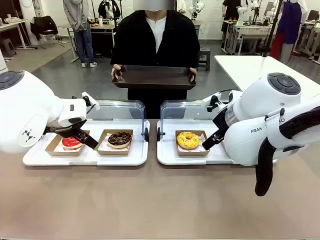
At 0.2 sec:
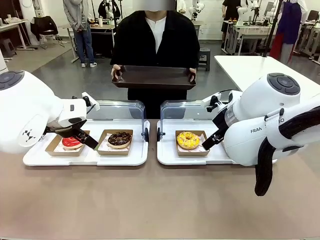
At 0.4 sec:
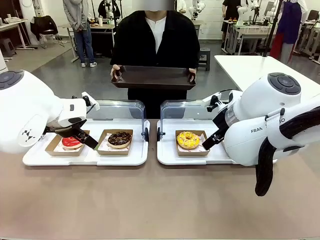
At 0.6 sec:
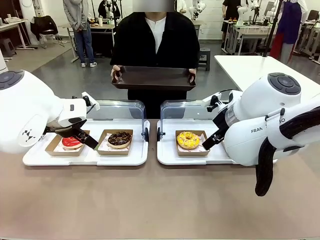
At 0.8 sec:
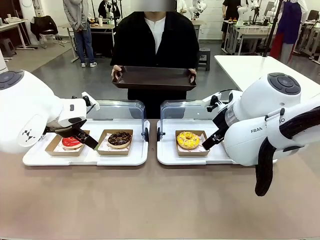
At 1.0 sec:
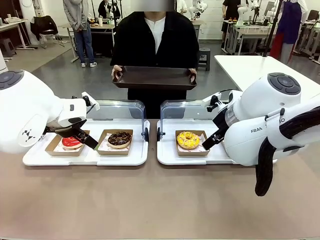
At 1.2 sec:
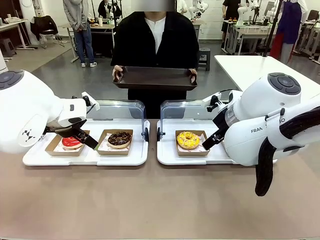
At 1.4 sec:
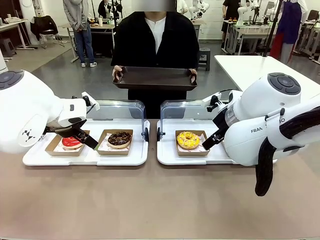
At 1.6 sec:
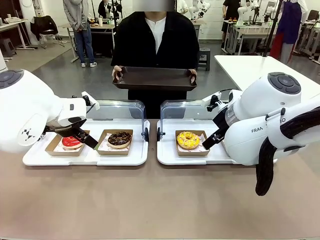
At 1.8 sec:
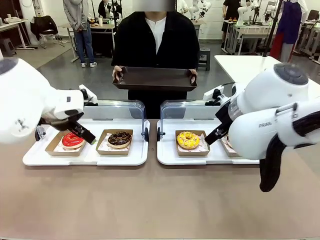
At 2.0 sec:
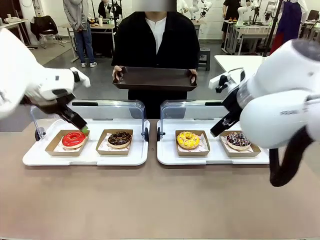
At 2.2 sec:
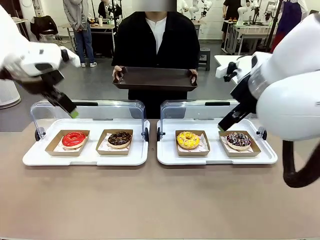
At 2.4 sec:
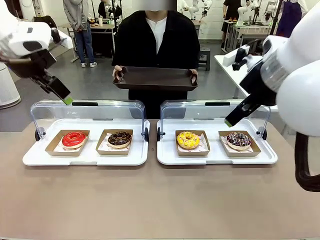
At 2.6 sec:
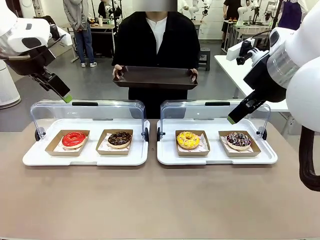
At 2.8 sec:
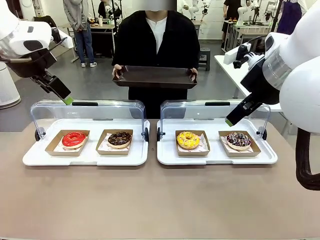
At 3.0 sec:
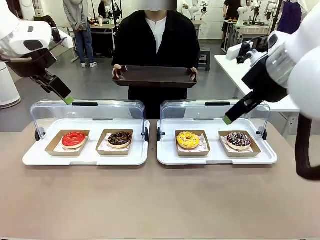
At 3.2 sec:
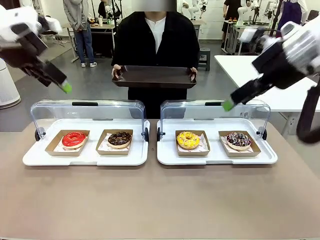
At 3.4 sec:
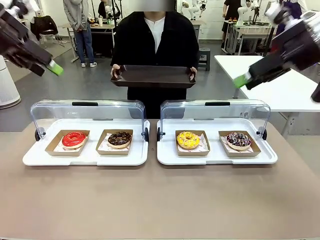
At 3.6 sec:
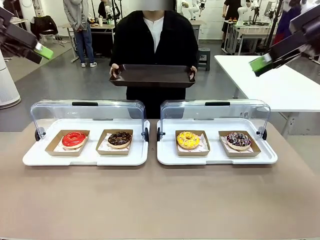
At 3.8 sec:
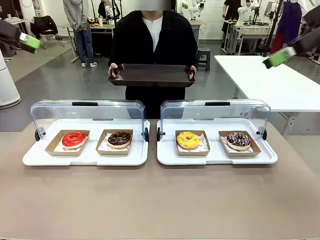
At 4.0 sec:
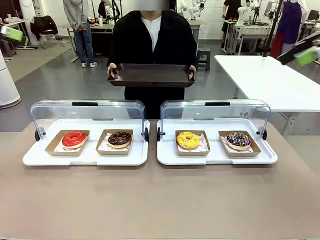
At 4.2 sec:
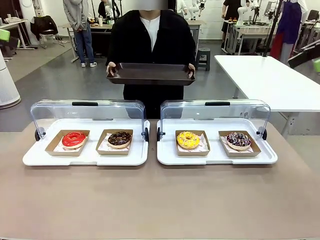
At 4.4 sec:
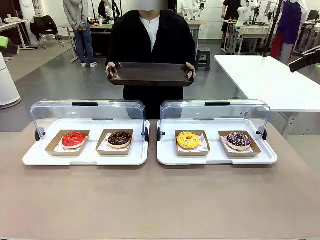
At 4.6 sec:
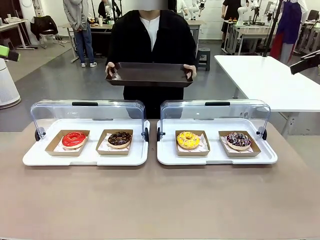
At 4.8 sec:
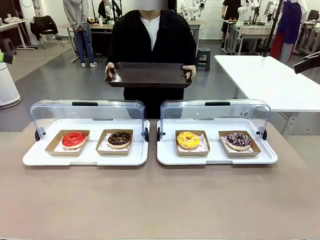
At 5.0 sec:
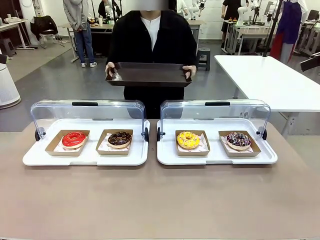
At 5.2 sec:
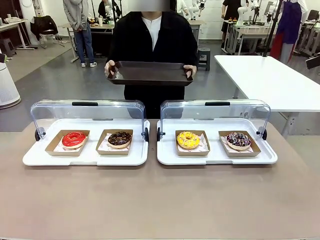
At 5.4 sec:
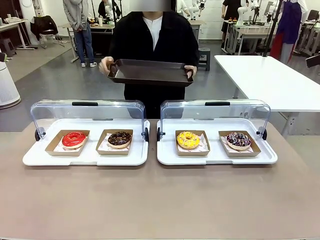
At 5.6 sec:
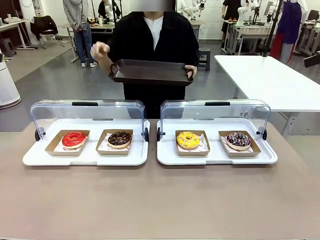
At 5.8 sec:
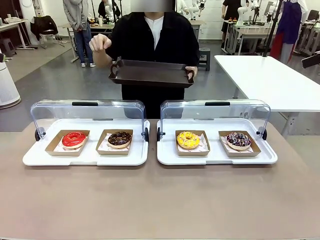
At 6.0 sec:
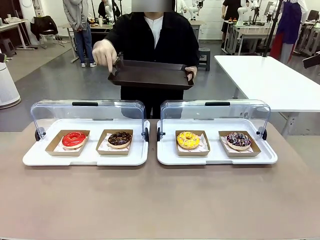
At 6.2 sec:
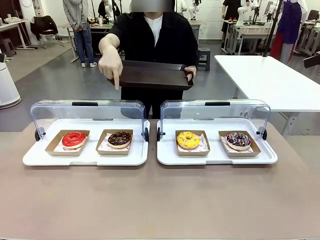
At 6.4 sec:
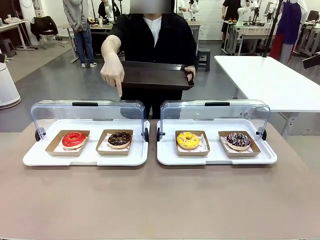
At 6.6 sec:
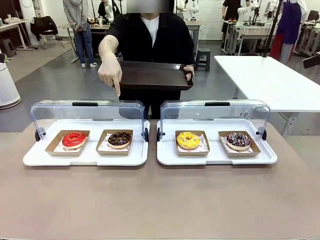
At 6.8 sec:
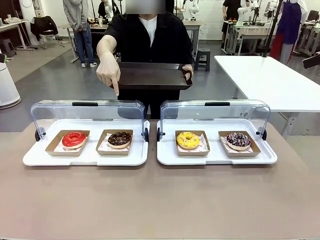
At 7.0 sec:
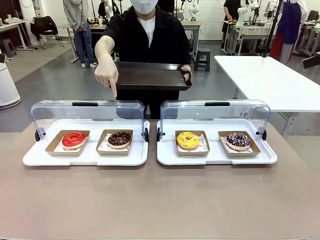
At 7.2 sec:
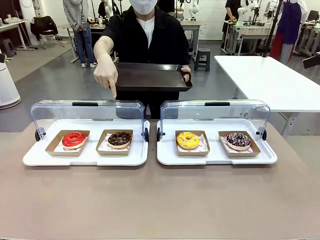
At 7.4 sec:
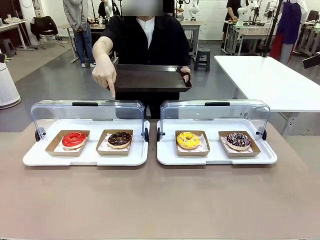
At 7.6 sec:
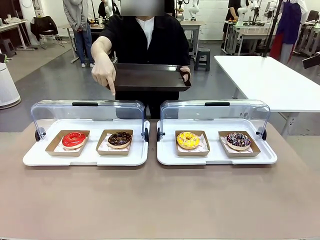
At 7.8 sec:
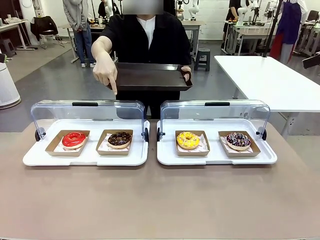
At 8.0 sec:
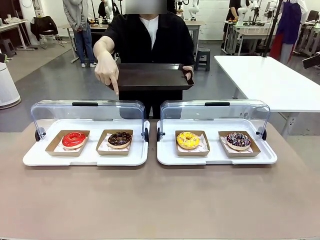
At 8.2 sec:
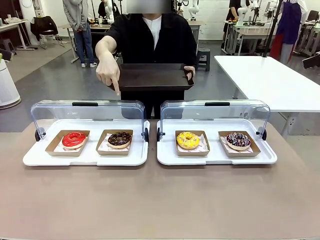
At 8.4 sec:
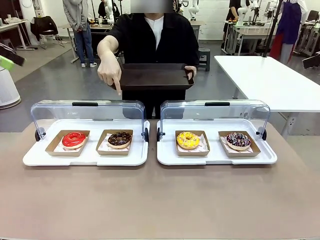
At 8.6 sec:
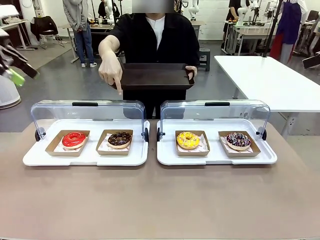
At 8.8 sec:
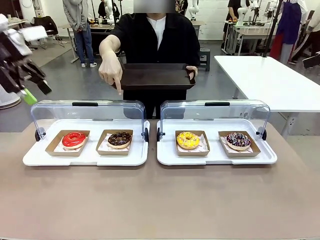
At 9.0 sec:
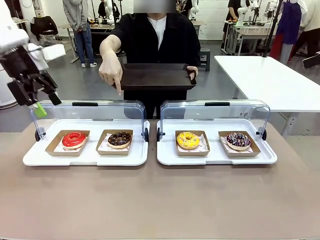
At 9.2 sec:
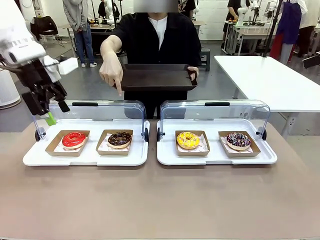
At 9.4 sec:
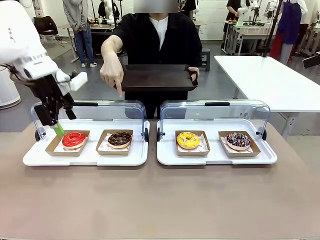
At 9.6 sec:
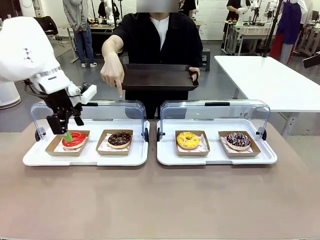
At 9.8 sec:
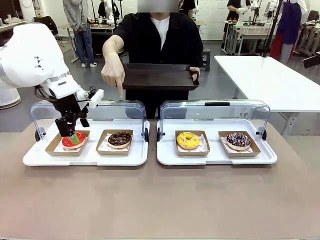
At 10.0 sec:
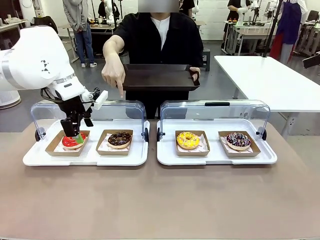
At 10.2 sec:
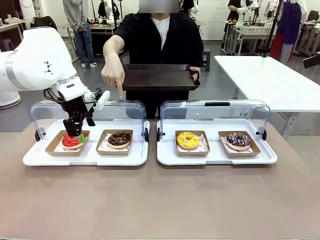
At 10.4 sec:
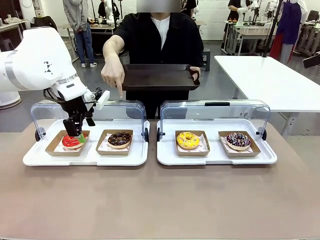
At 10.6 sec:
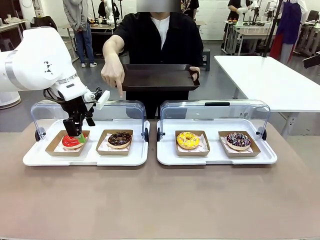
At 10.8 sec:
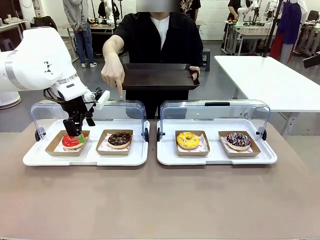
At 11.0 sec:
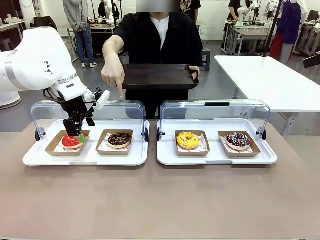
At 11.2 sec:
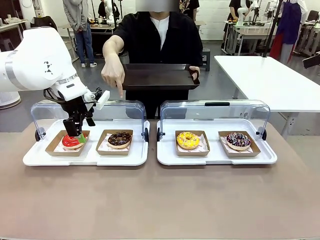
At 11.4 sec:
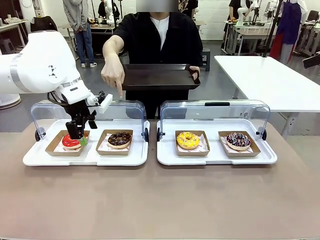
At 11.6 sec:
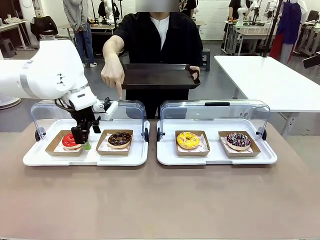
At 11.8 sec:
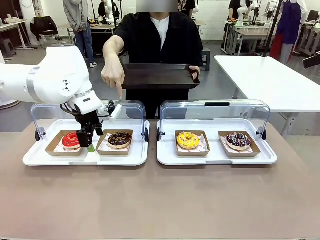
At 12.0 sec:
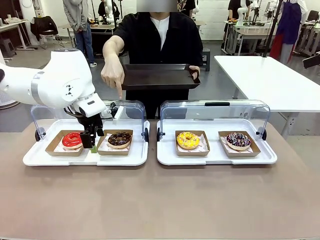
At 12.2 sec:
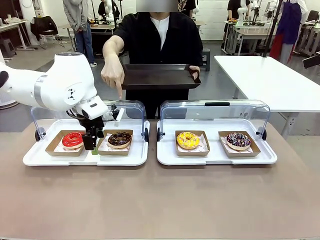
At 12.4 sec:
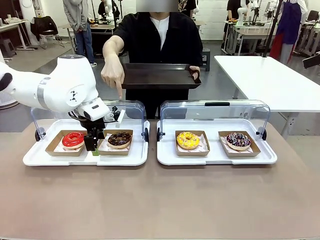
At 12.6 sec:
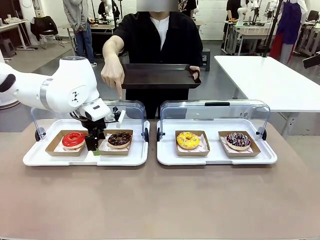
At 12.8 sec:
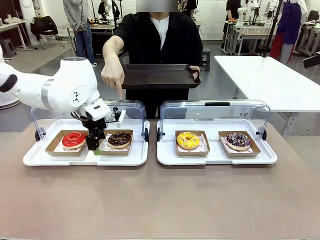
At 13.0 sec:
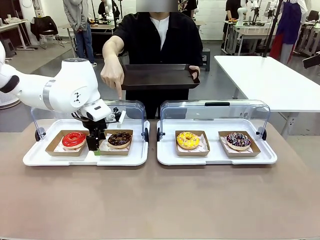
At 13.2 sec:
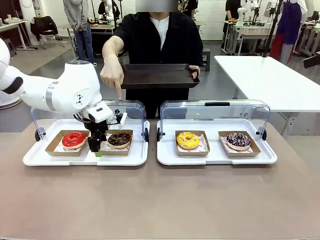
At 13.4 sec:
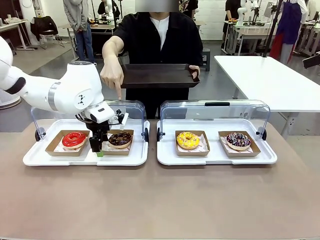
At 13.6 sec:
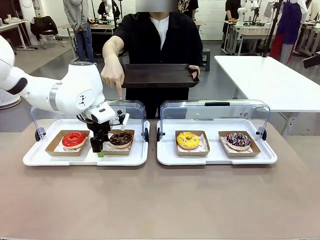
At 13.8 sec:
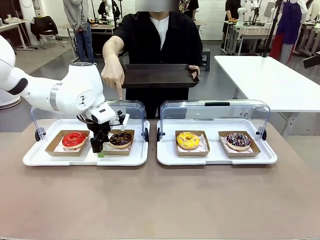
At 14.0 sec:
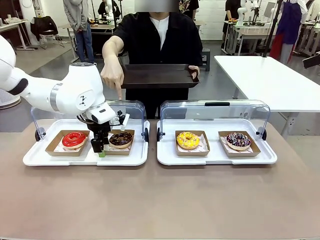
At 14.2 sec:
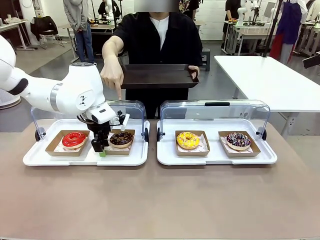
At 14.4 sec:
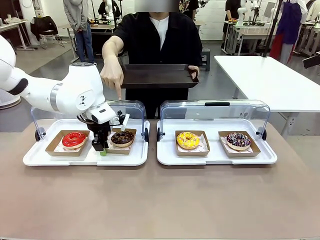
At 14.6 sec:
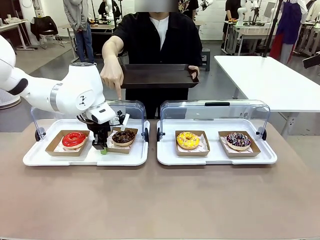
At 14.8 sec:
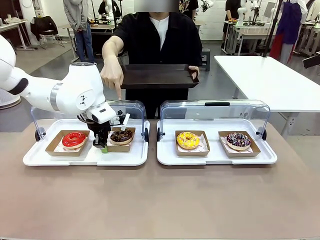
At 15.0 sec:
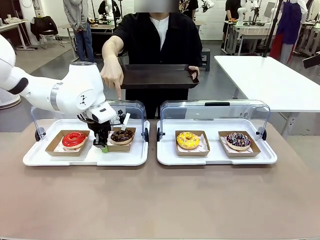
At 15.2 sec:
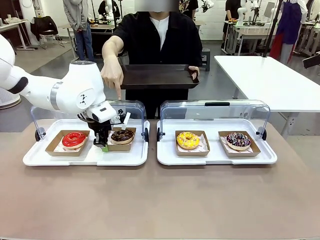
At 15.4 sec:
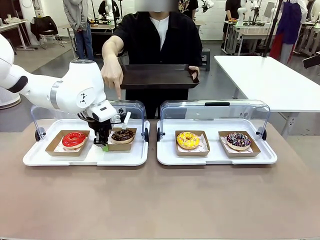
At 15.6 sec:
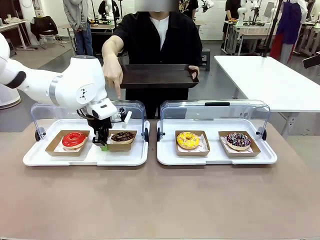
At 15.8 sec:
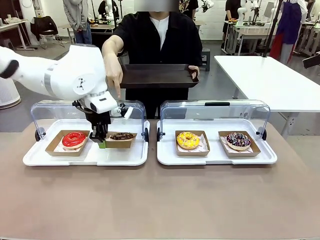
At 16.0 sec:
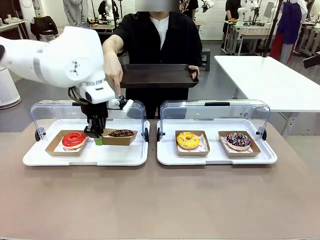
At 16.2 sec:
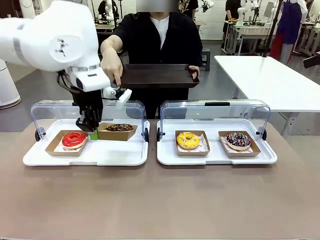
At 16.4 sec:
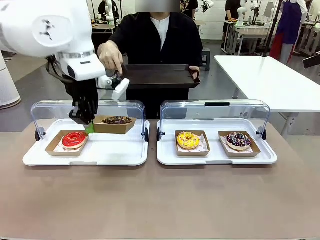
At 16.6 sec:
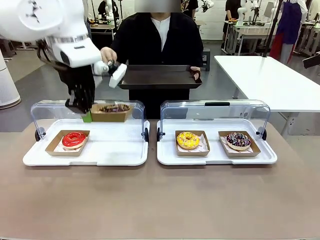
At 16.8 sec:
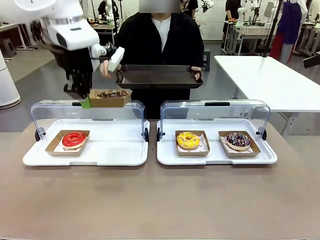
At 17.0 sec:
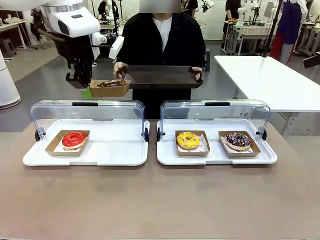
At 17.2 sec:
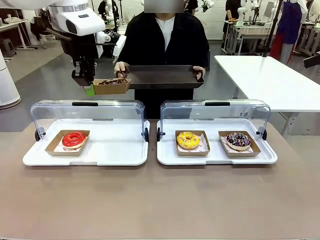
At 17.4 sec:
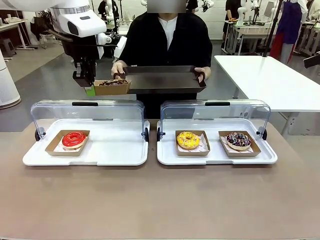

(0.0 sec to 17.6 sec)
Task: Provide the desired donut to the person.
Robot: Pick up and lift the Paper togo box containing the Donut pointed at by the person.
Person: Point to one donut. Lift the tray onto the Roll-Top Bakery Case.
